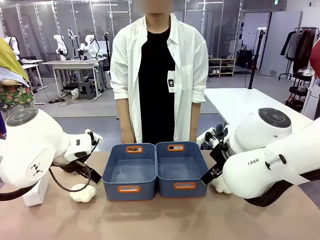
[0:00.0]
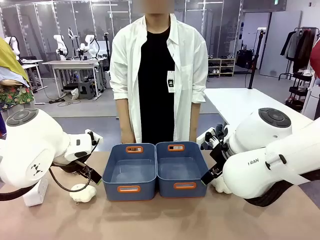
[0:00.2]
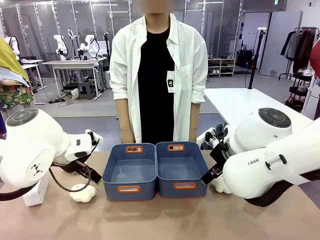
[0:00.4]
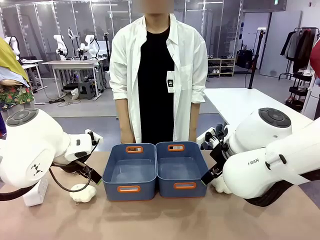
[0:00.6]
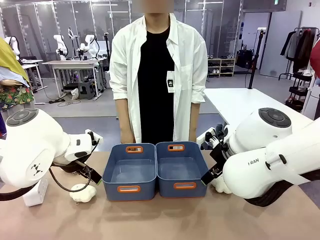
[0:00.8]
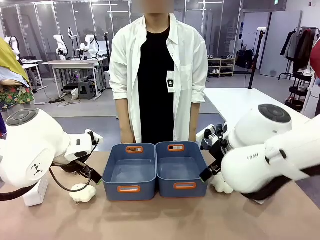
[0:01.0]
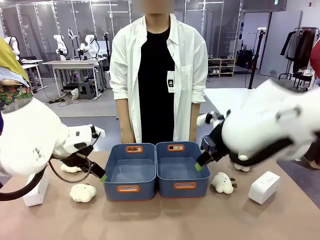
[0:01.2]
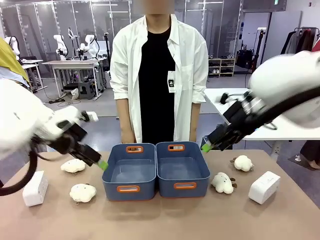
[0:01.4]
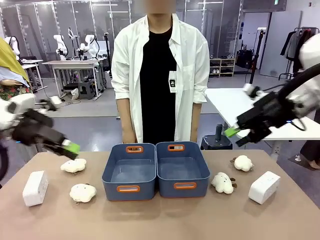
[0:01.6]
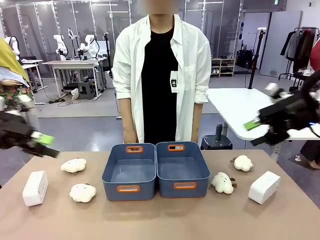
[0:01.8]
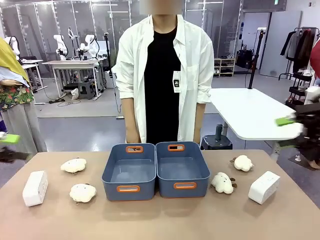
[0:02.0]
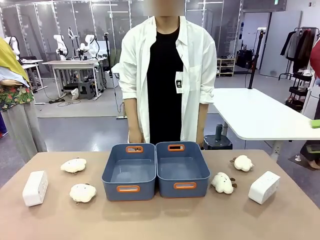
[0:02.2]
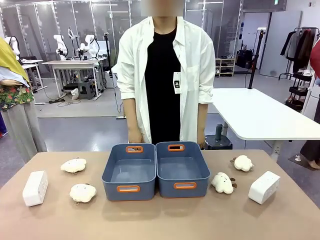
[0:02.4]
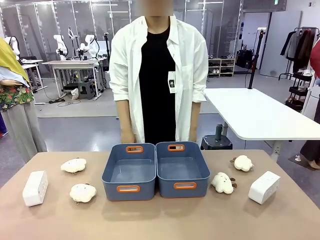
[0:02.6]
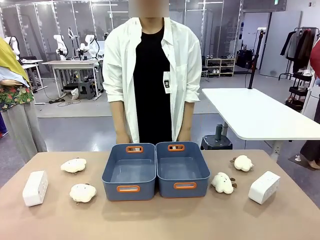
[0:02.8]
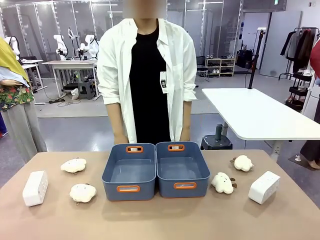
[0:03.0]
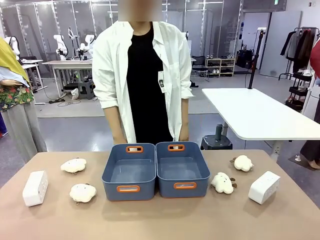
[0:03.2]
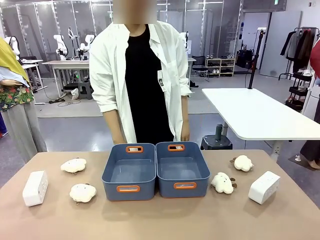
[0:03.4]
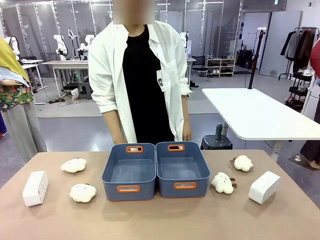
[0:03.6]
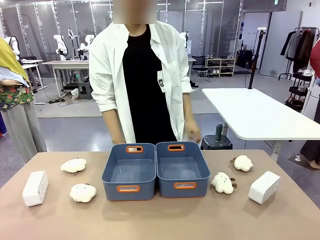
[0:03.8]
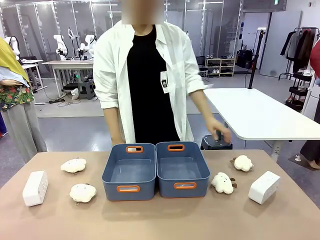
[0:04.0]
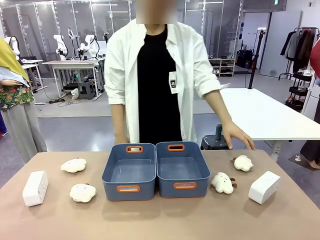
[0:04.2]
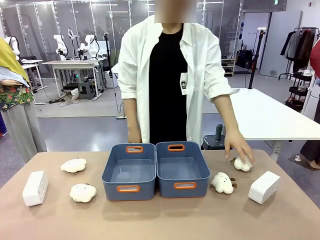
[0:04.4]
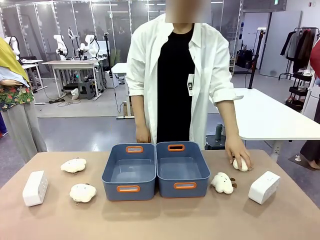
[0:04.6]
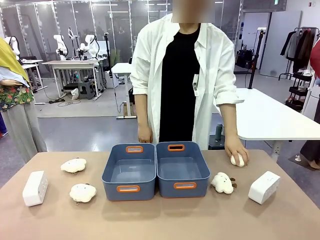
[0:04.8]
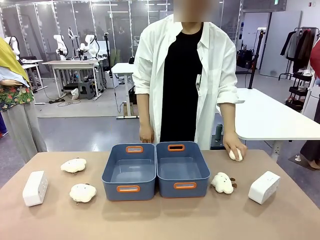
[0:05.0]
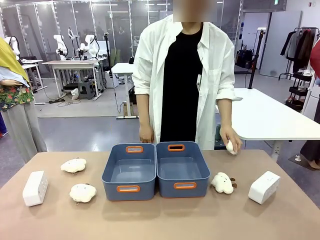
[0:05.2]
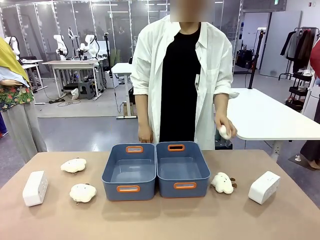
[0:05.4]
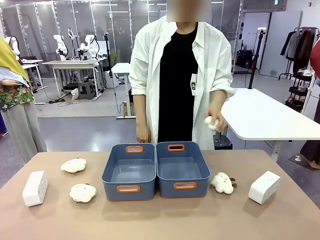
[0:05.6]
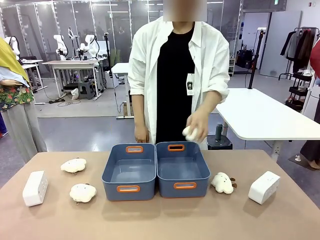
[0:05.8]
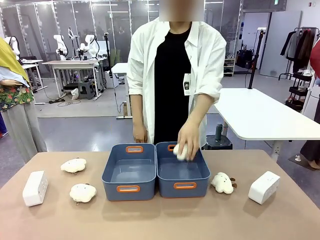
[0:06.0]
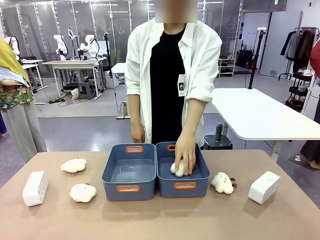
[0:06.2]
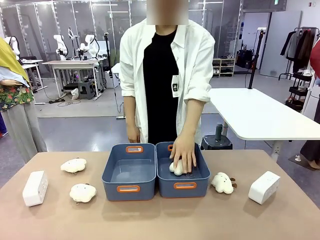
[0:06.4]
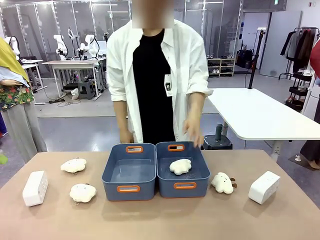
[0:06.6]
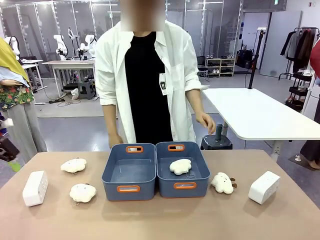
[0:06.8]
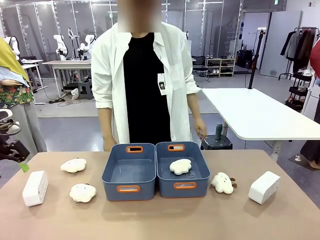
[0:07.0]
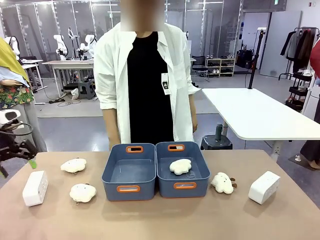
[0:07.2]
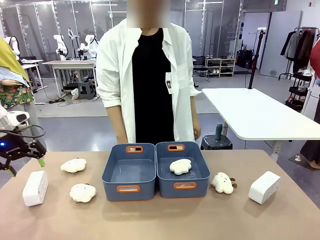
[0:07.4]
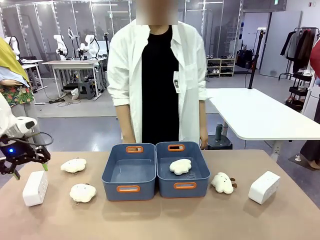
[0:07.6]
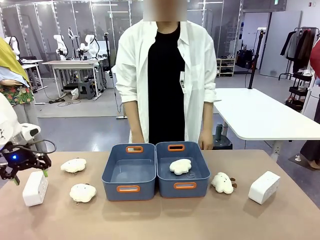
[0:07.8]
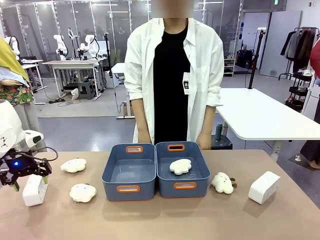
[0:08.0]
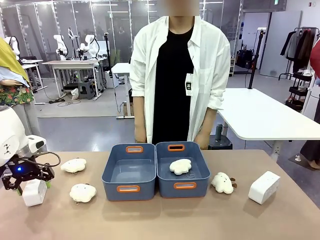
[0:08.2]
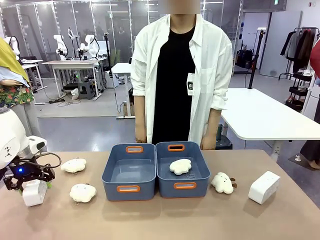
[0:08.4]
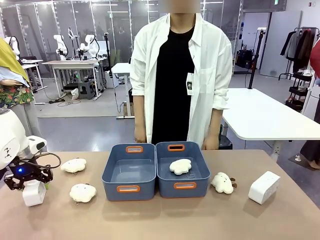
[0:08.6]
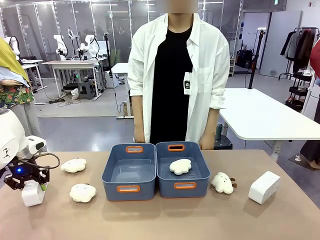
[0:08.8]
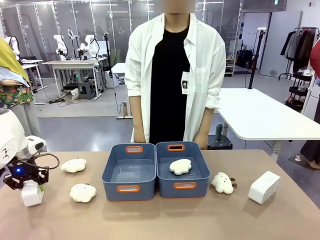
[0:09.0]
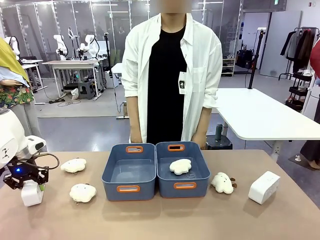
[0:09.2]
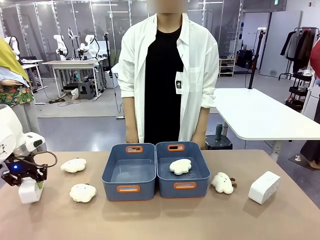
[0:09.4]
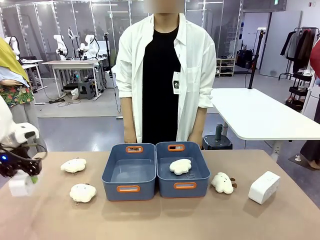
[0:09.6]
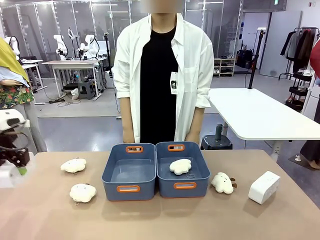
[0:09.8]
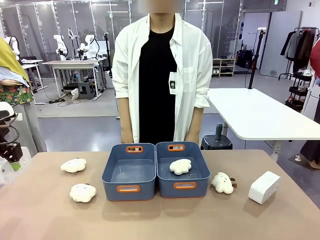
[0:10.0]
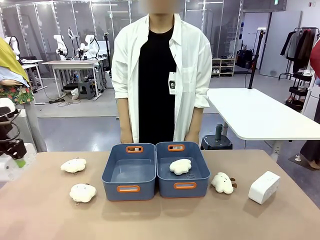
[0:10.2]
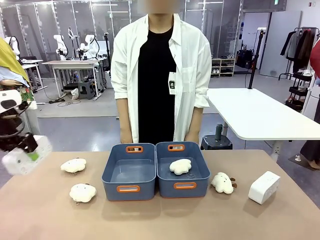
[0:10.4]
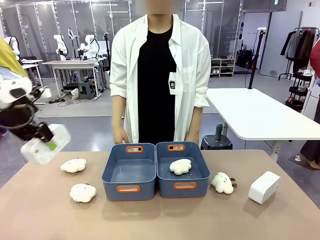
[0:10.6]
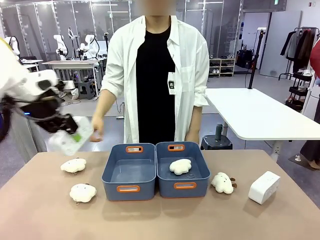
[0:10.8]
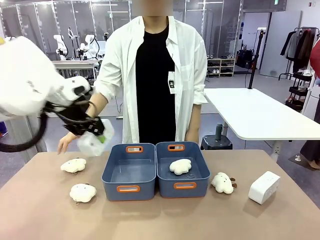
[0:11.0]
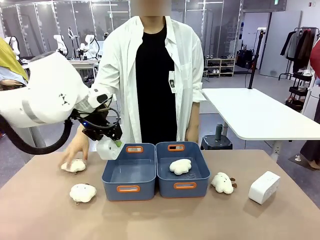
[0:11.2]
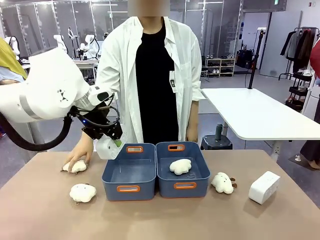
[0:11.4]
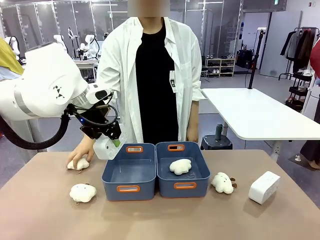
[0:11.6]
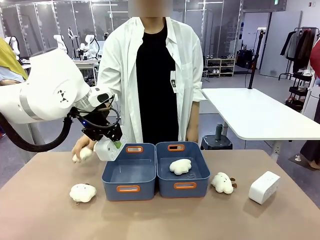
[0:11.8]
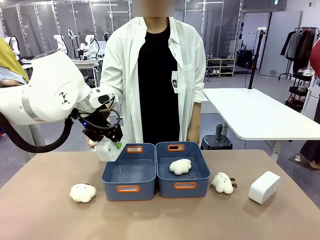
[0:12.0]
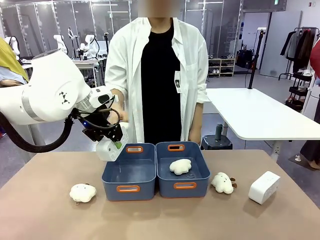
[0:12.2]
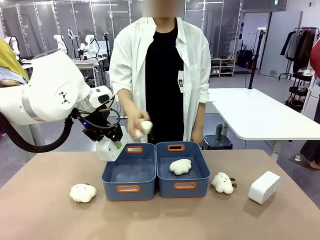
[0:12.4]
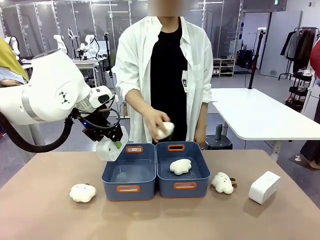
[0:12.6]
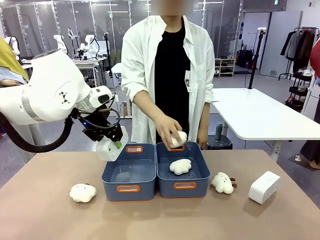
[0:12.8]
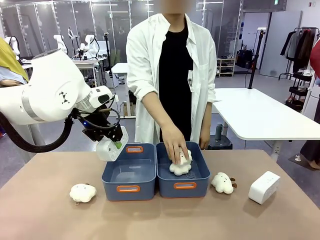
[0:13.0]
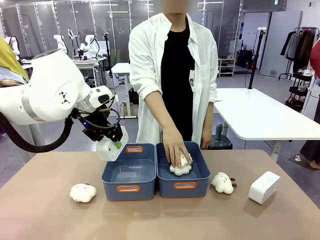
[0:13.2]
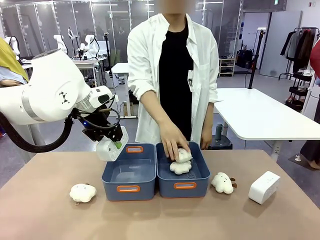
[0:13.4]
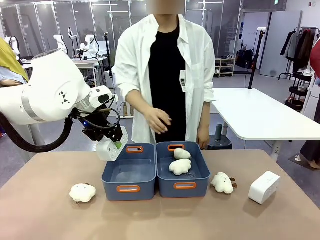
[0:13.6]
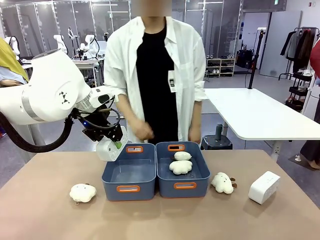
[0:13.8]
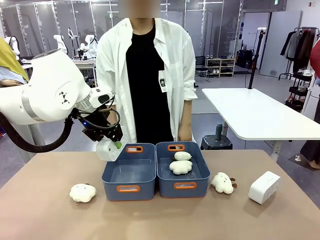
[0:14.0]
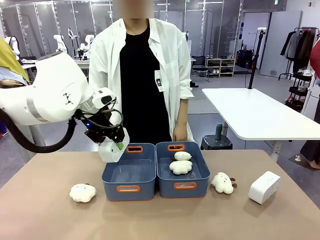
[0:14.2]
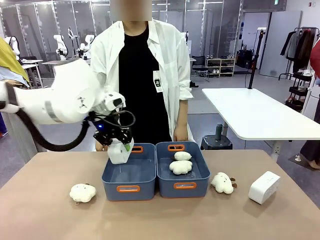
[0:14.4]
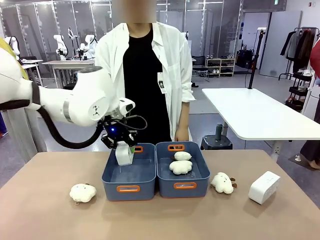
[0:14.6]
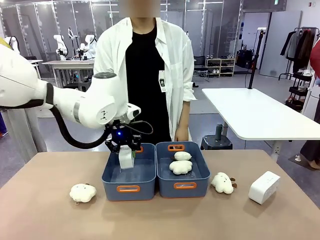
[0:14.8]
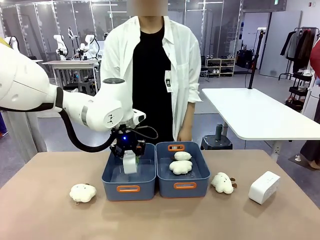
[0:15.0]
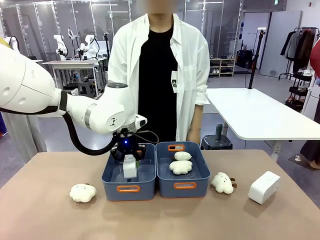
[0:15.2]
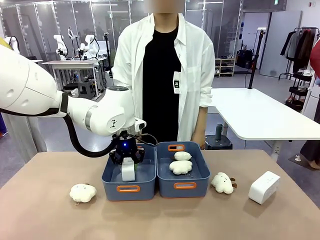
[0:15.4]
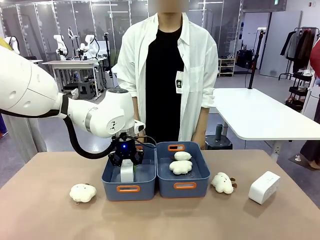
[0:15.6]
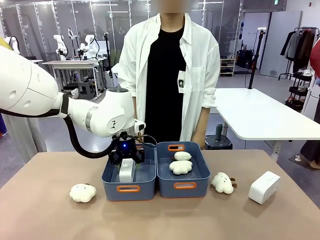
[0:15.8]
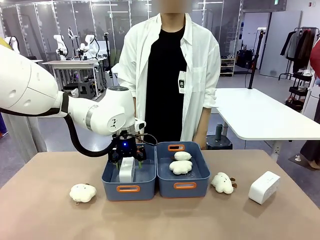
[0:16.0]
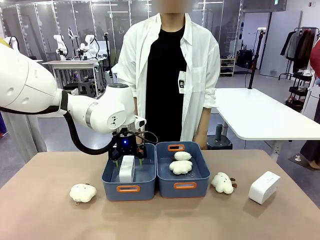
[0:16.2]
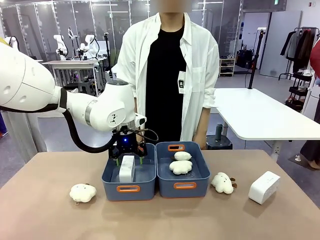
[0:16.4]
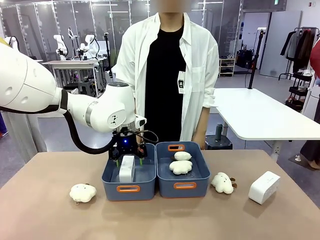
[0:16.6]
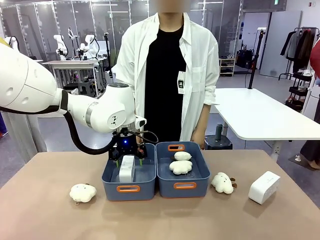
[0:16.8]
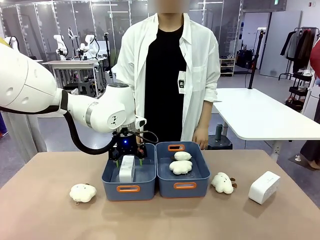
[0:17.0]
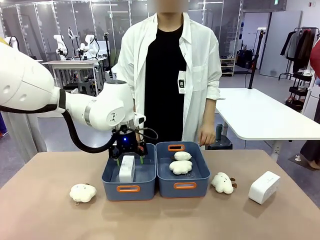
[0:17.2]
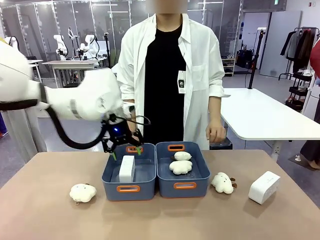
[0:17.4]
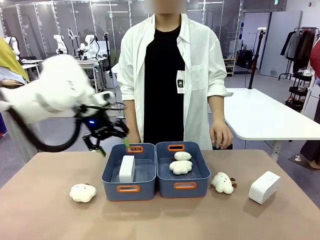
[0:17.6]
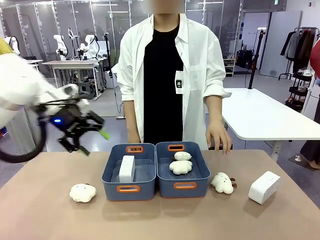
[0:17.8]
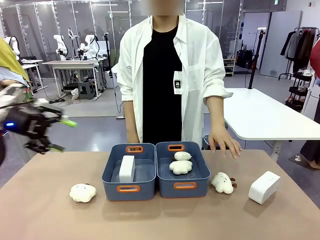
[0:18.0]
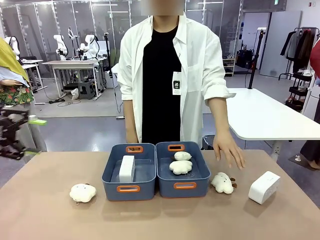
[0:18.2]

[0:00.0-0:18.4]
Task: Sort the digital clocks into the basket.
Robot: Pick up the Digital clock from the table and place it into the empty Plastic storage basket.
Person: Pick up a plush toy from the table and place it in a plastic storage basket.
